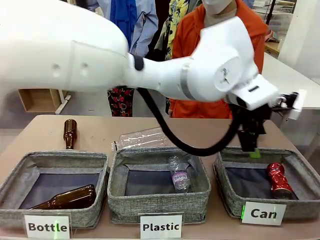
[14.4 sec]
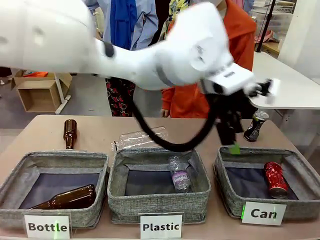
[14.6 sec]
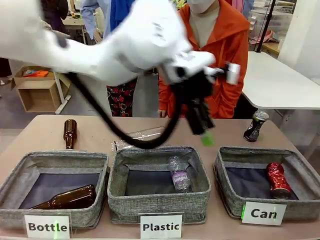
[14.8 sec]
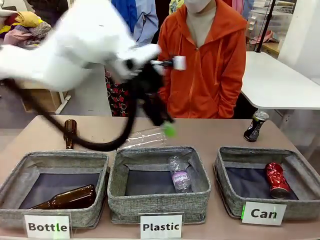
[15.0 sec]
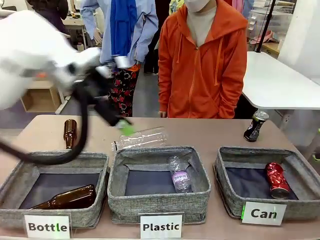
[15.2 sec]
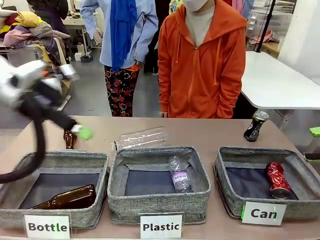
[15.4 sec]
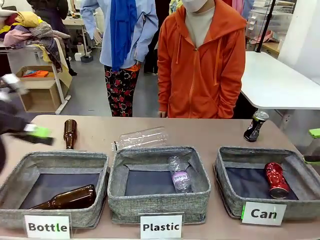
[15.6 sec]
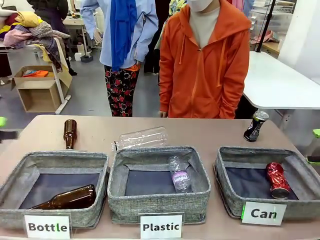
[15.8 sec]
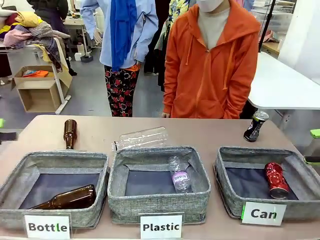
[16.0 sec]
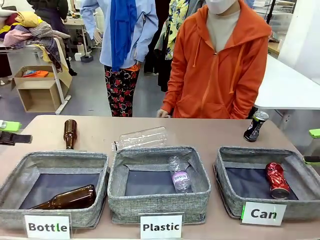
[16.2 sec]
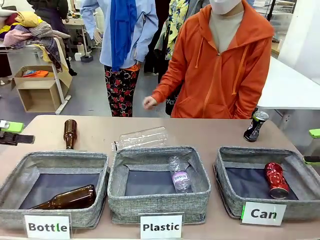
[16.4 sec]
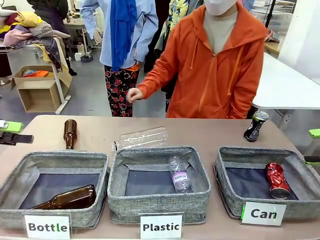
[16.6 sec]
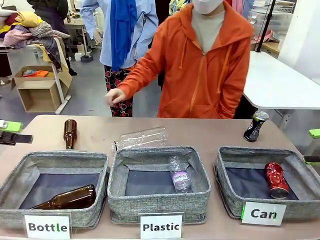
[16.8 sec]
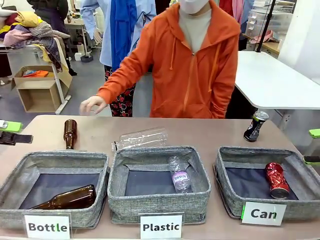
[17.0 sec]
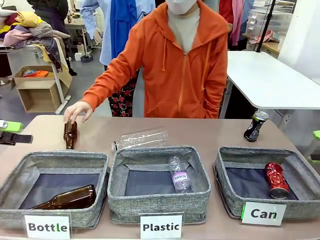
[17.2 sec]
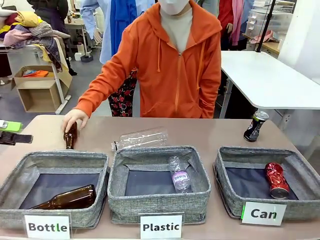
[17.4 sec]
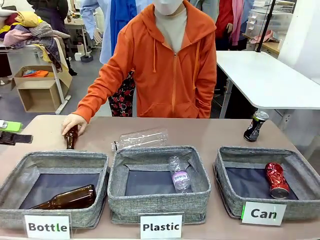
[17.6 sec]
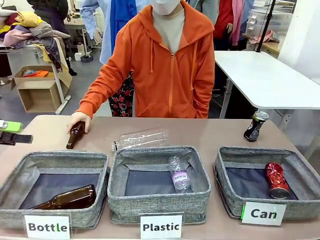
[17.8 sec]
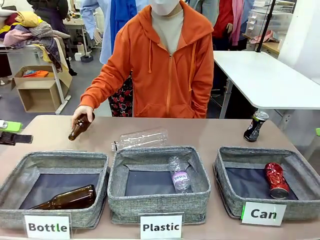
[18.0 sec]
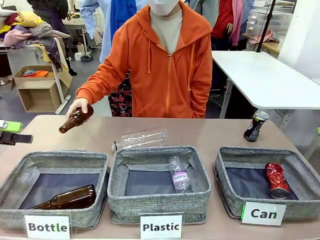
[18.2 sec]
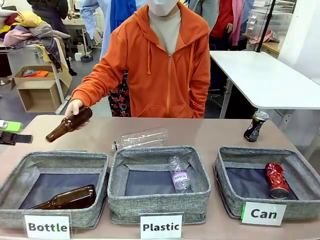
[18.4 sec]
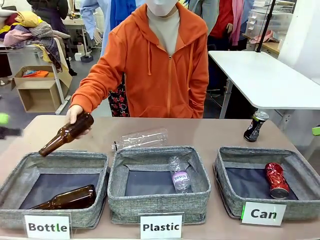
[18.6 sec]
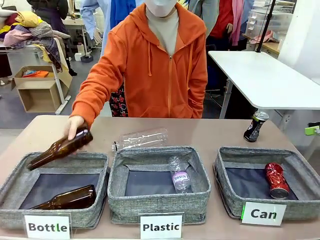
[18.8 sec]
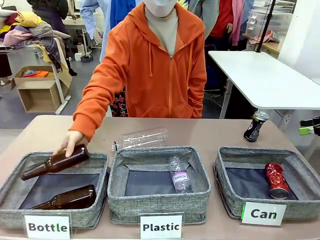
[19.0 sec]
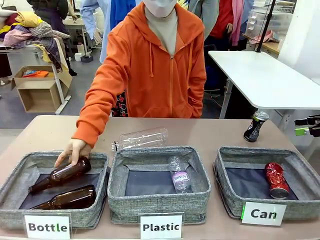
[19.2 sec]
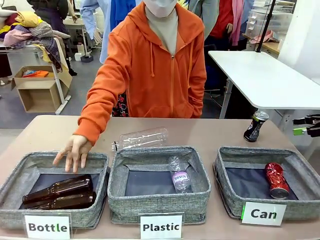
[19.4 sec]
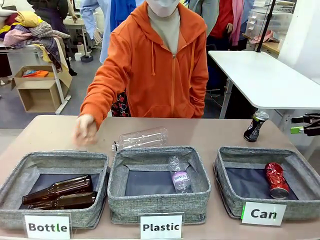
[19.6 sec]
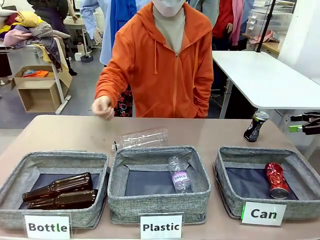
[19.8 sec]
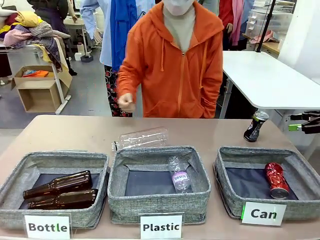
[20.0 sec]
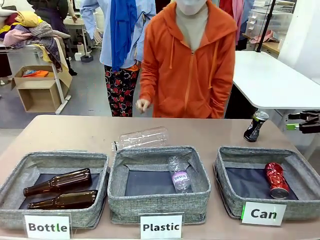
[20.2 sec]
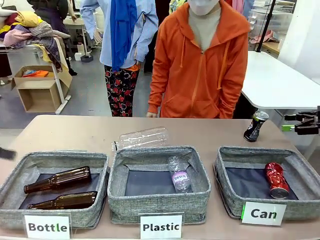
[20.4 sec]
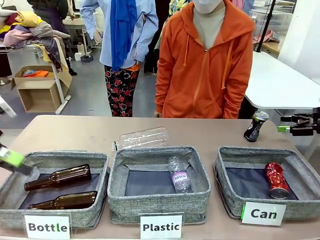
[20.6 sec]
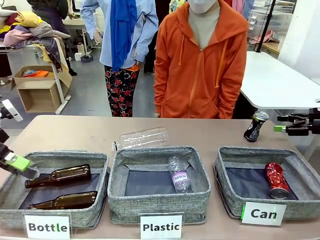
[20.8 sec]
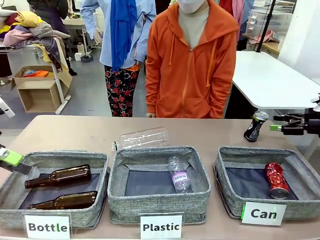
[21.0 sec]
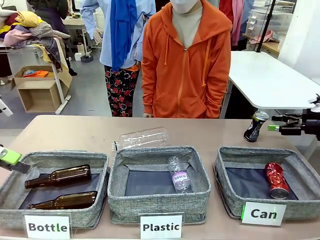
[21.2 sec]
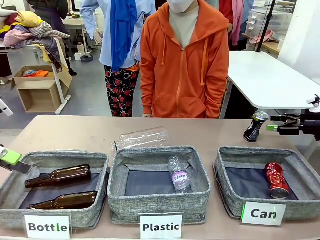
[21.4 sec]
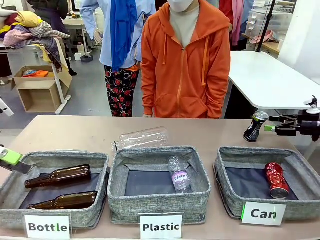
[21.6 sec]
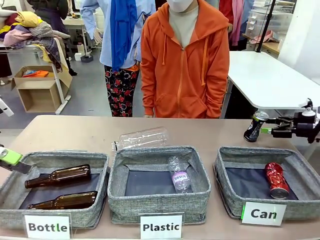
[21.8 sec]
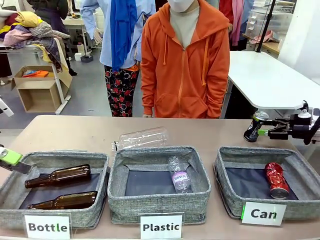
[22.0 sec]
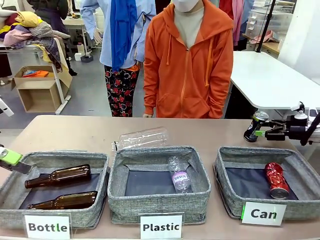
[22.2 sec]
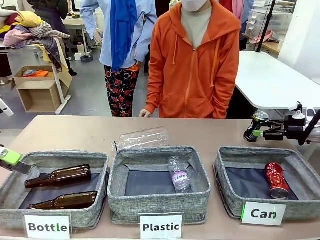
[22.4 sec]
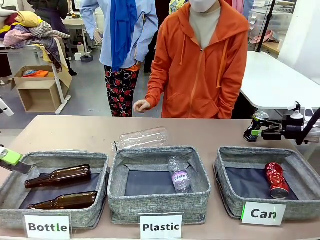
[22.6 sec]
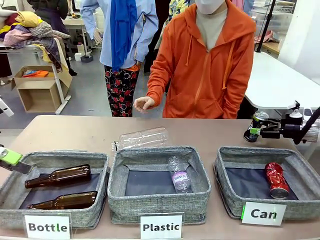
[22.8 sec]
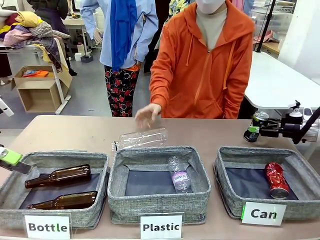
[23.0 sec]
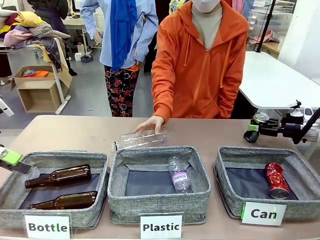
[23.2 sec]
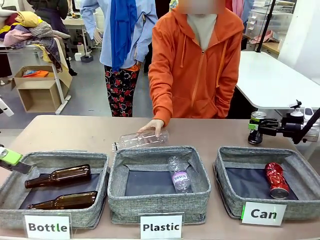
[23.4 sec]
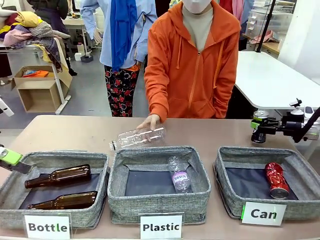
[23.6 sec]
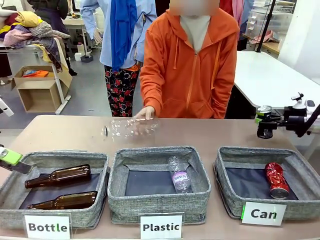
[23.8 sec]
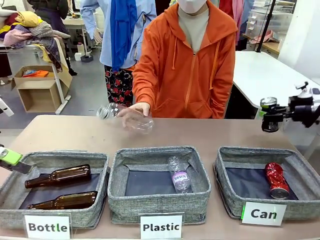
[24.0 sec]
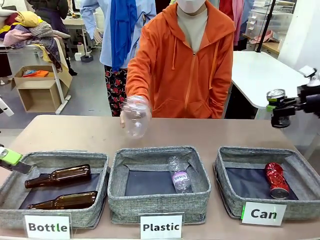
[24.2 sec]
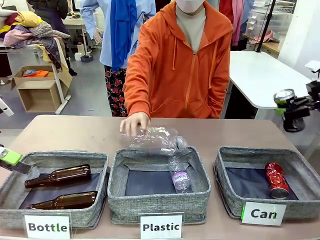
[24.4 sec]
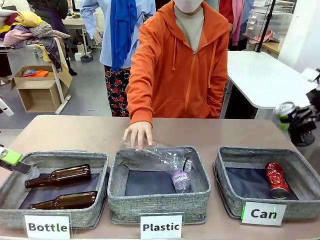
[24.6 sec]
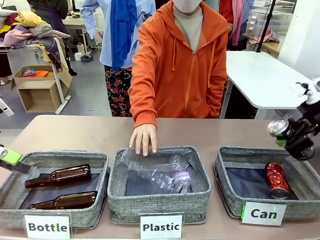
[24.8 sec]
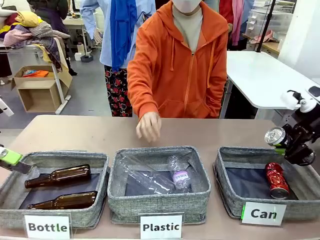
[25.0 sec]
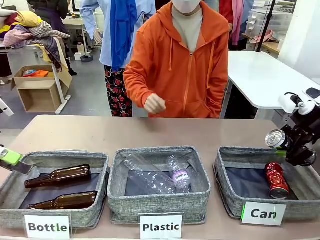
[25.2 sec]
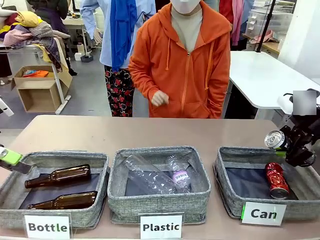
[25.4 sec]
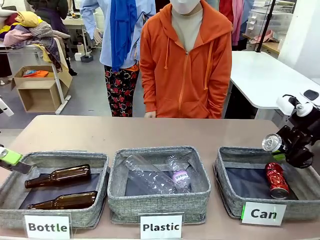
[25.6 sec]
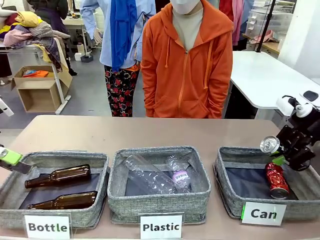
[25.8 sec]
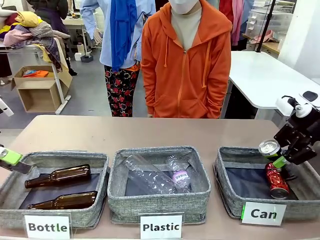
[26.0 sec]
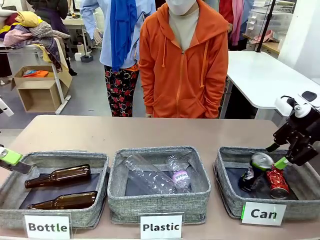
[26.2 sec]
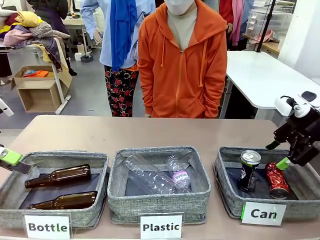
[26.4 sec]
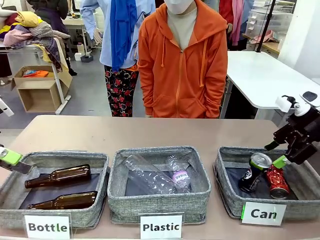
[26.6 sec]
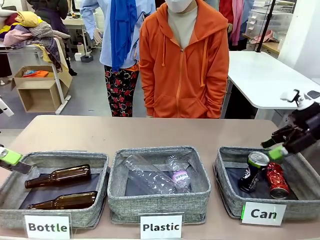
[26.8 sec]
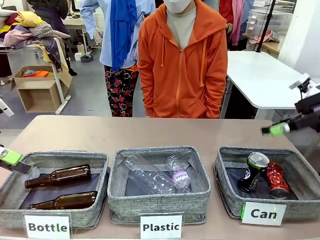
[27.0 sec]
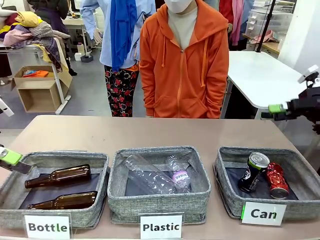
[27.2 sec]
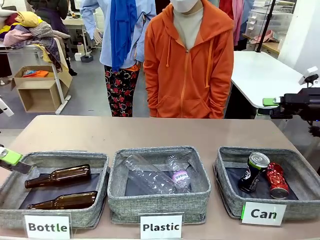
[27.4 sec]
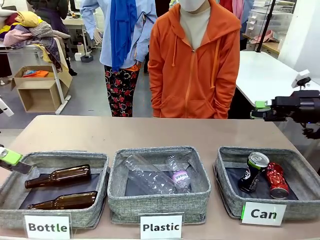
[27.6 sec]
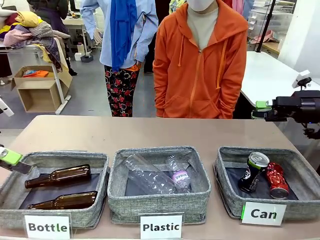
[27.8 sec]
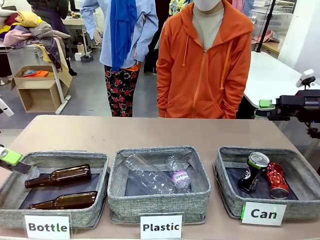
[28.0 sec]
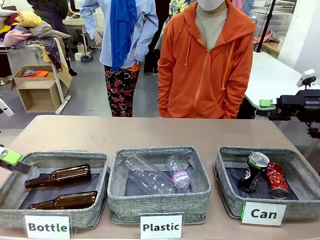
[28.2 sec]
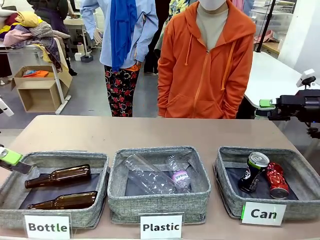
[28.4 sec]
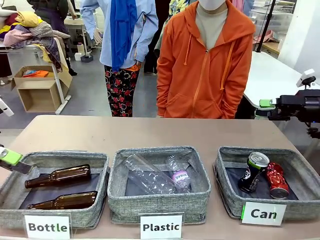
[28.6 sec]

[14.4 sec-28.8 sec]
Task: Sort the can waste into the basket.
Robot: Pick up the can waste from the table and place it in the right Fabric basket.
